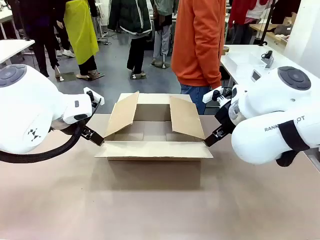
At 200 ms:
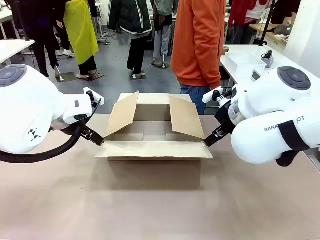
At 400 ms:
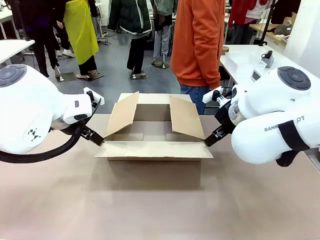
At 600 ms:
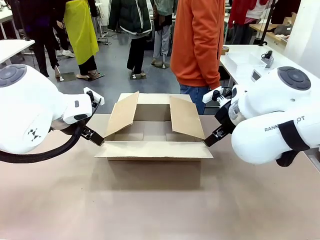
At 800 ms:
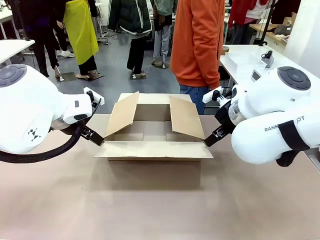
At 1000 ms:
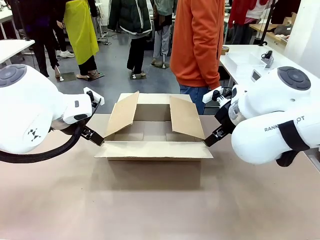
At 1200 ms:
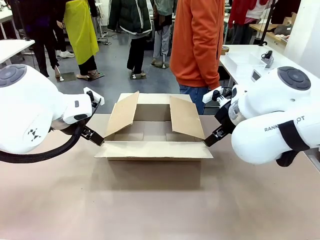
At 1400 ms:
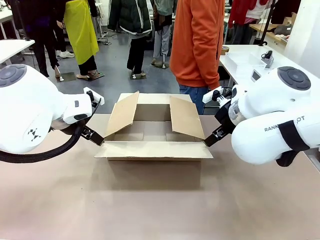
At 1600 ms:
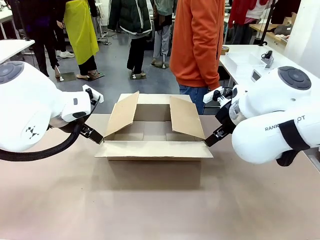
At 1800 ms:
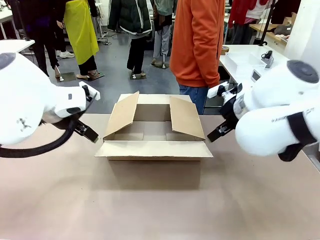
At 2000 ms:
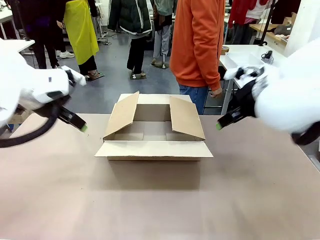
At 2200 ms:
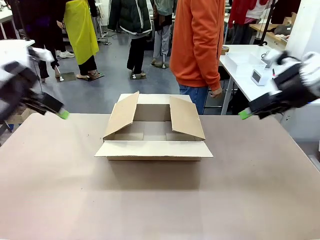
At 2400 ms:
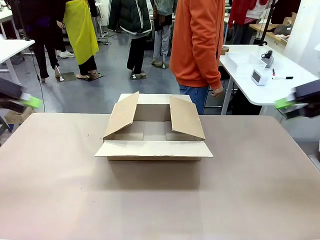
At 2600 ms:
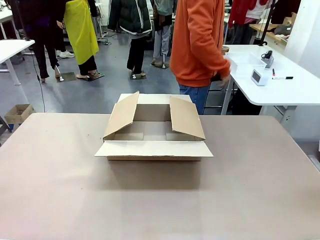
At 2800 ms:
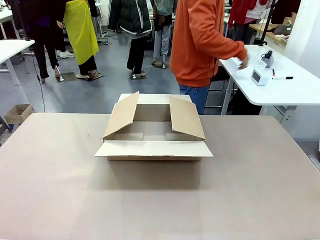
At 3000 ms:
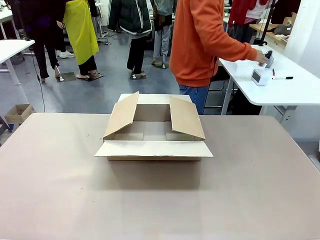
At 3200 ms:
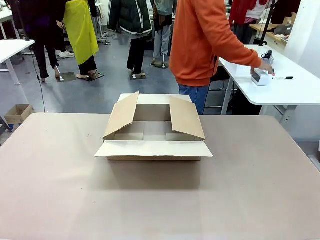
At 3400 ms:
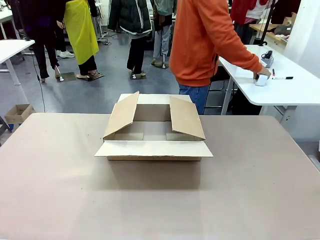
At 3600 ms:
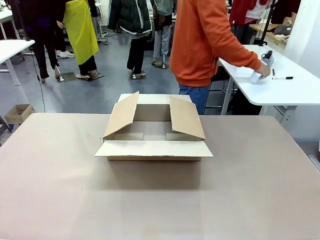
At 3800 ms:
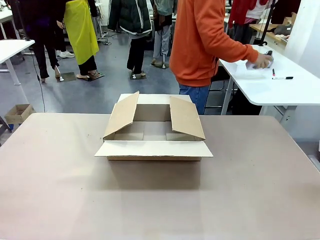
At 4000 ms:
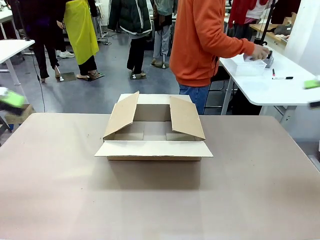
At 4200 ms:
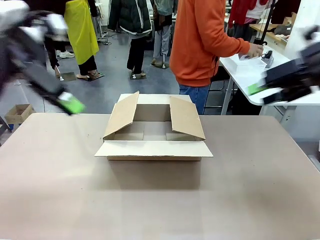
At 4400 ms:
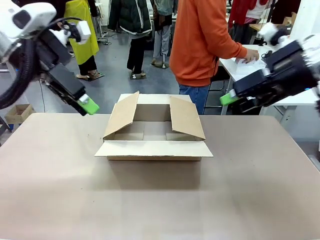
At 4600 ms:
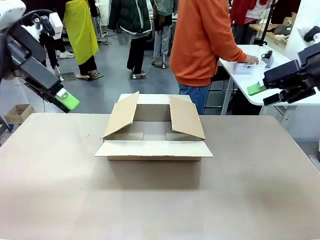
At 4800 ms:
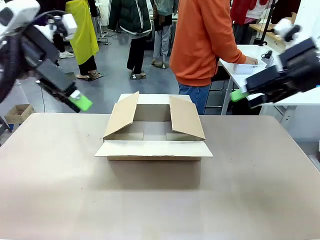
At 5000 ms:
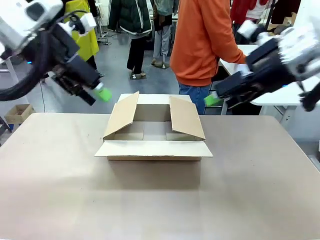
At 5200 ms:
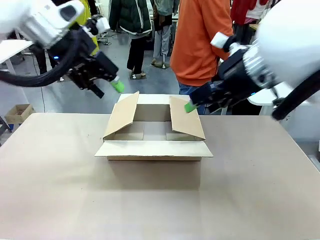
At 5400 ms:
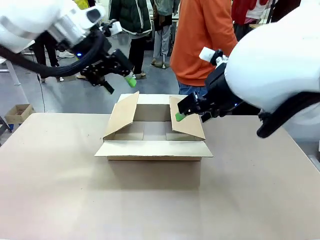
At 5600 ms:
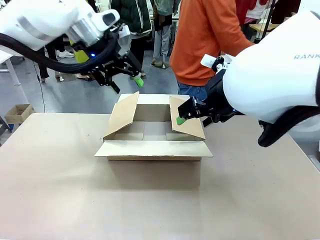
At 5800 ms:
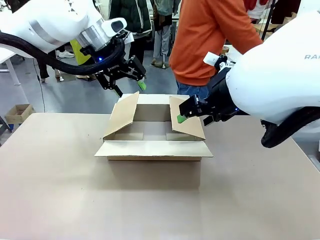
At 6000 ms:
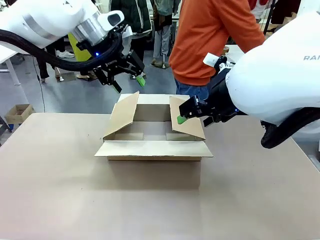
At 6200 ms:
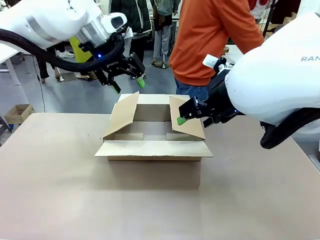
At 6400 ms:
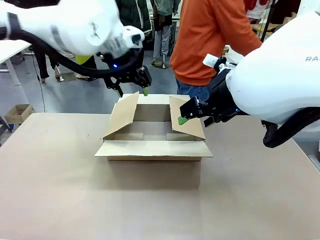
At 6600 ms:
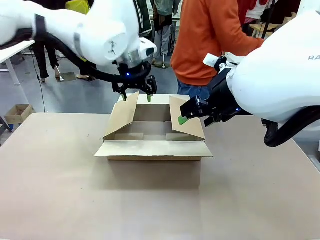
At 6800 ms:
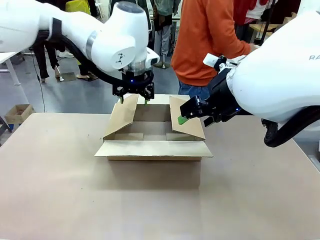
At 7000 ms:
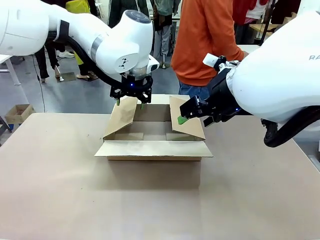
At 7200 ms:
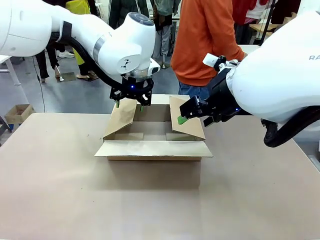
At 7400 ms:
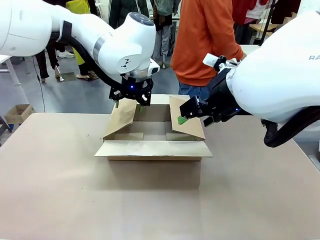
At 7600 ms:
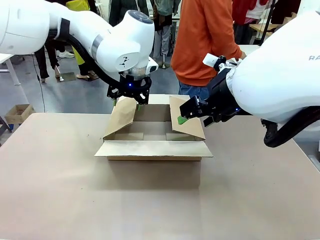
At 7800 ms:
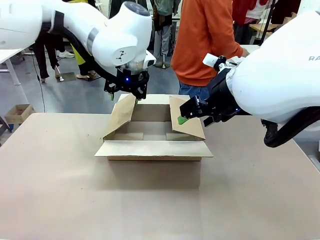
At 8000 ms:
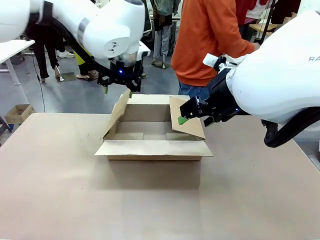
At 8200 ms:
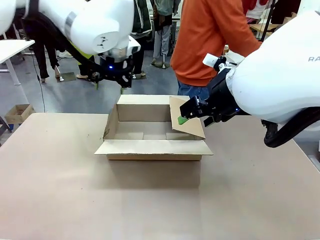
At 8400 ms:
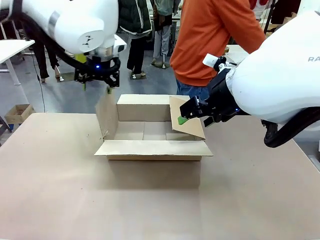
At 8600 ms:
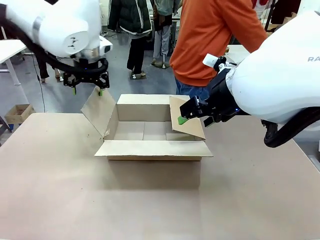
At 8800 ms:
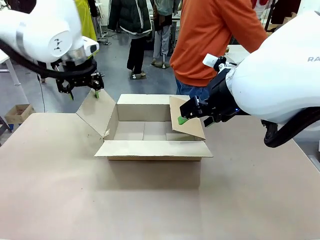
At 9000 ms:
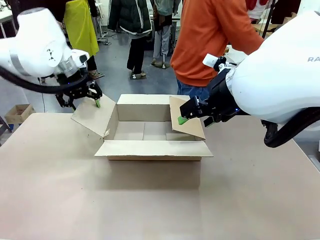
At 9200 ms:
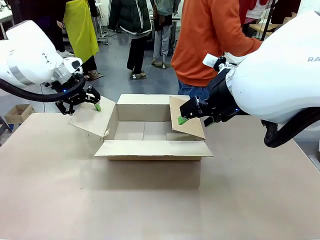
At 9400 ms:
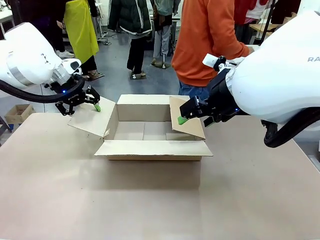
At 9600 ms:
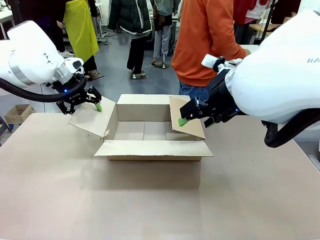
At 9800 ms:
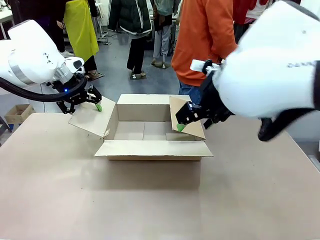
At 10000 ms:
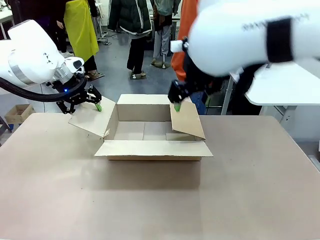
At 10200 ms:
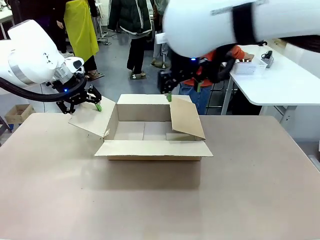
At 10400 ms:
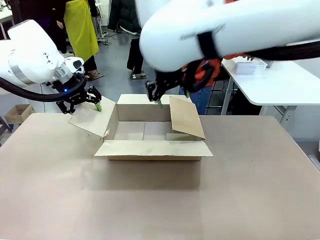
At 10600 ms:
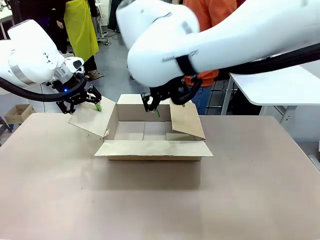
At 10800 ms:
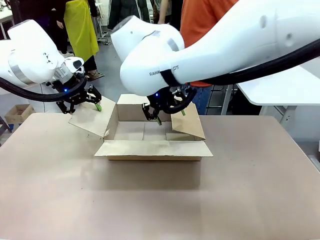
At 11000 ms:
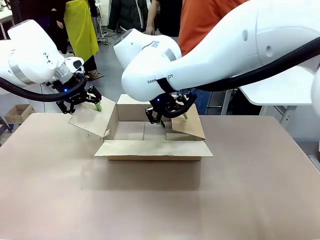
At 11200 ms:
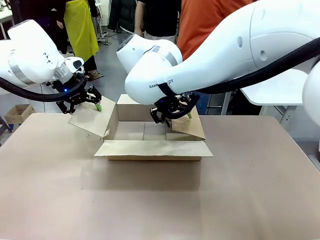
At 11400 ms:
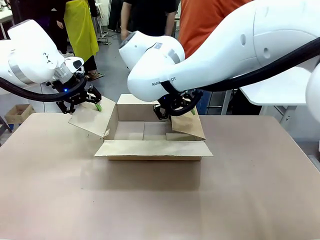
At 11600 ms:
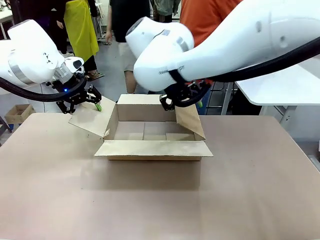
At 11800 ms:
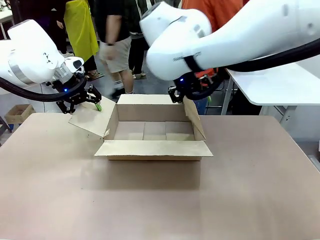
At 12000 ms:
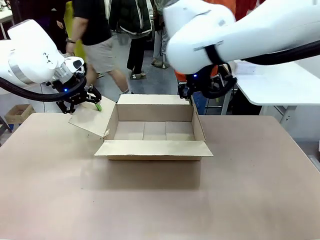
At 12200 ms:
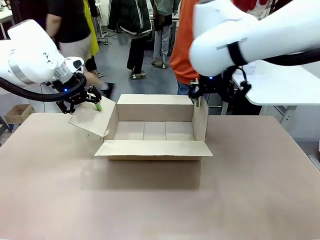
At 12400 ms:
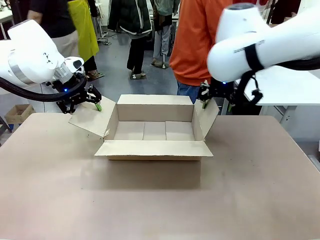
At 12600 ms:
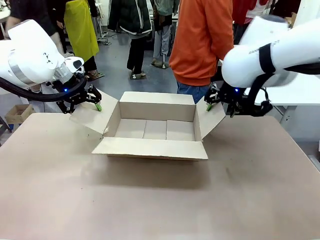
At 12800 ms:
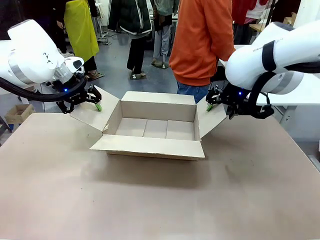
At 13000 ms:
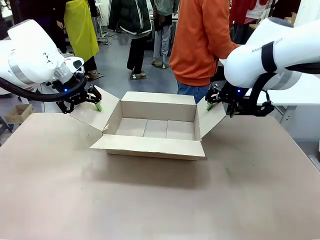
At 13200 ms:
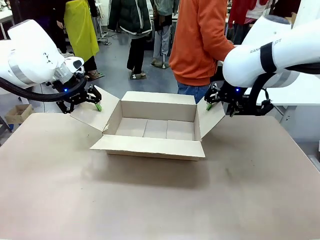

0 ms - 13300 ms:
Task: Pack the gift set into the box.
Robot: Place both hands on the side flaps of the Package Box and spread them outward.
Person: The human places all items except the paper tape into the organizing basket.

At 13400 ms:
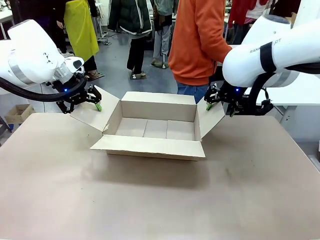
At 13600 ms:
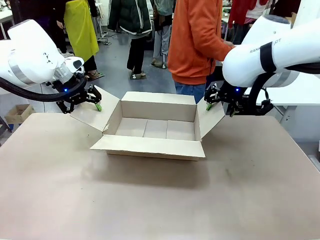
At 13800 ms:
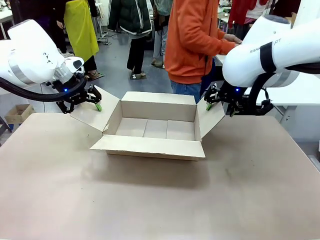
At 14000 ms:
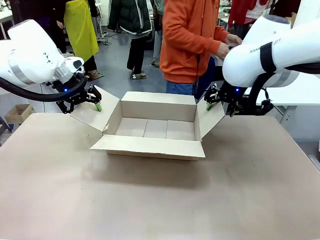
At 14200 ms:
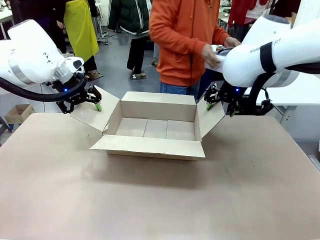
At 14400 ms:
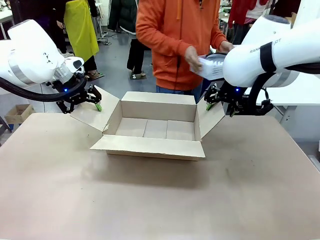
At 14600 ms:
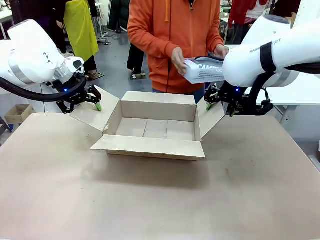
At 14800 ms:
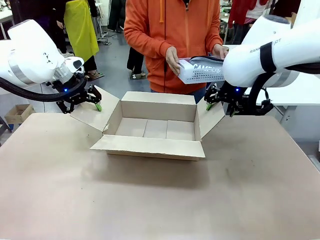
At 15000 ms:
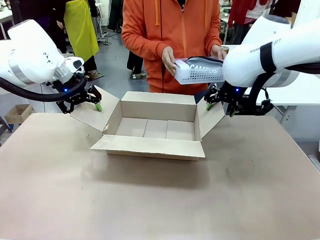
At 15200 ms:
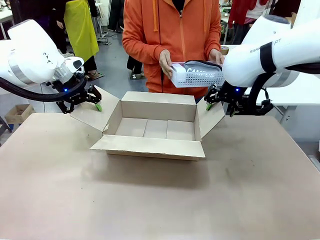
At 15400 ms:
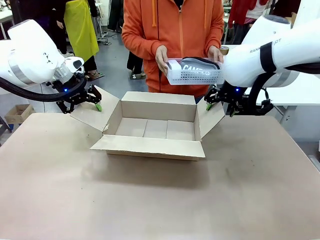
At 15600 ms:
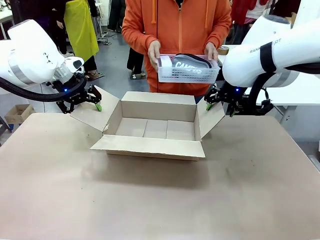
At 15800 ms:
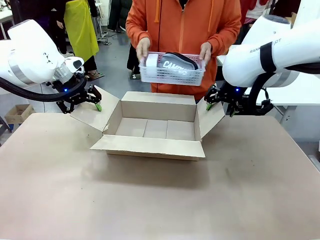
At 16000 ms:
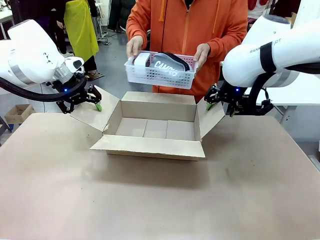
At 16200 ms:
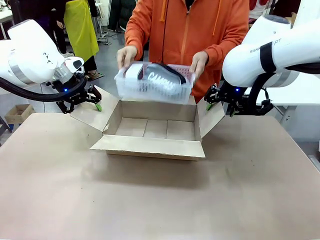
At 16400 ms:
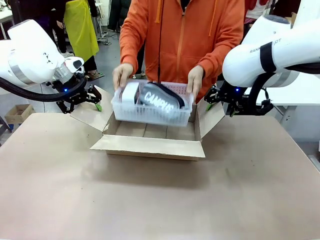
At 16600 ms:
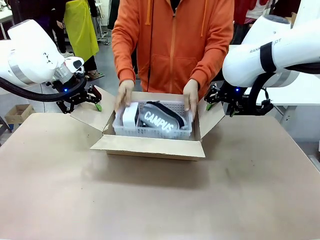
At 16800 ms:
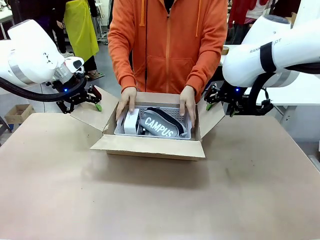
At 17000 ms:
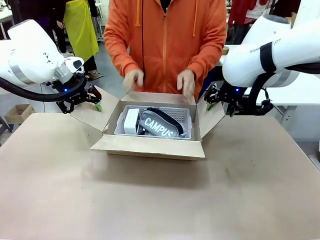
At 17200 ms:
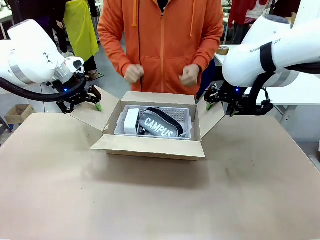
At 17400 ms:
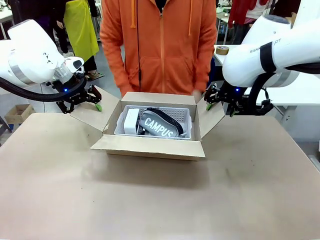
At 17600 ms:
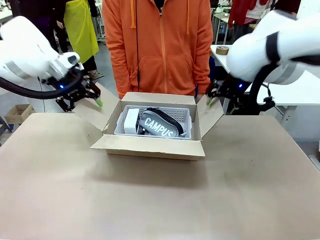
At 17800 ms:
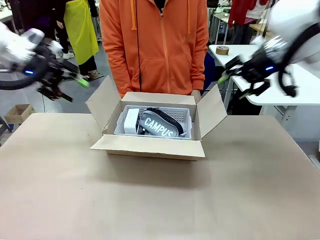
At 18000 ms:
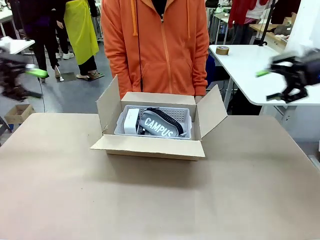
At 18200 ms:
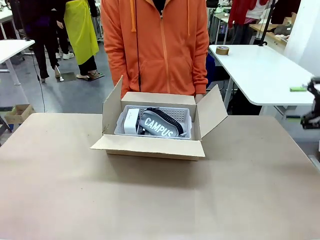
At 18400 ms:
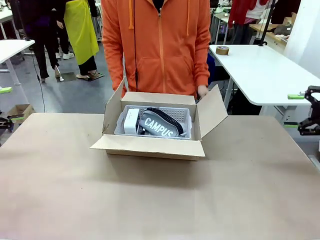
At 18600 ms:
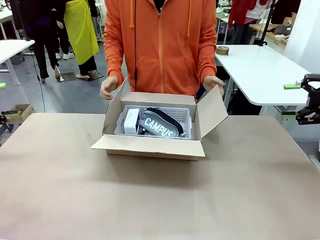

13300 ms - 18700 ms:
Robot: Lift both hands away from the flaps of the Package Box.
Person: The human picks up the organizing basket and places the organizing basket into the package box on the robot table.
